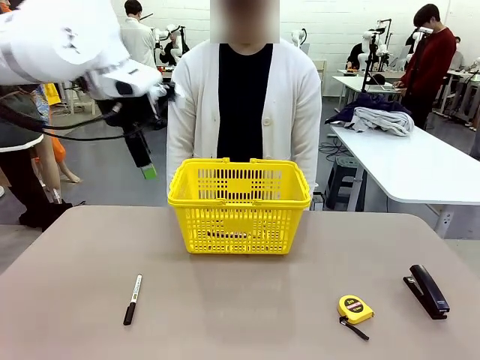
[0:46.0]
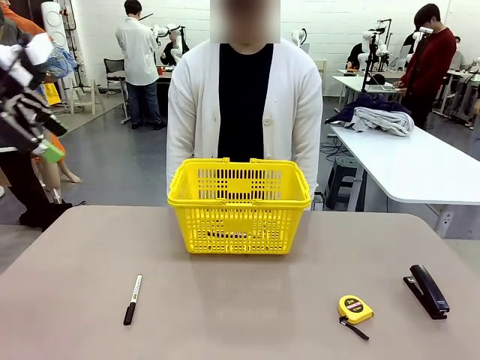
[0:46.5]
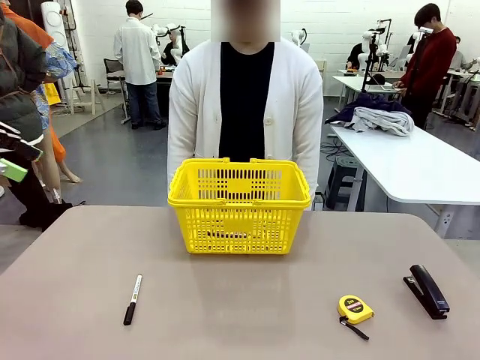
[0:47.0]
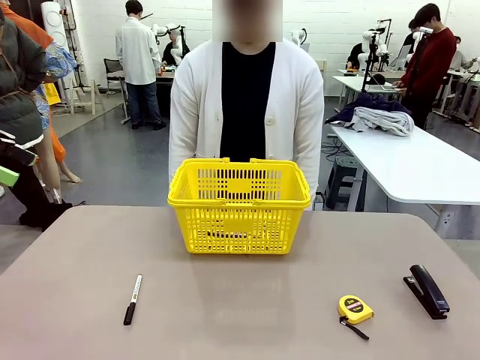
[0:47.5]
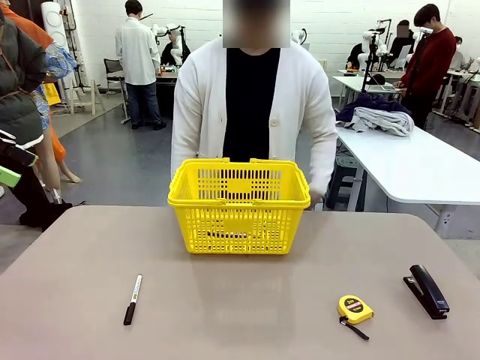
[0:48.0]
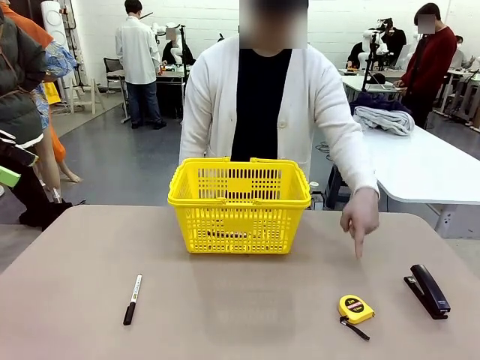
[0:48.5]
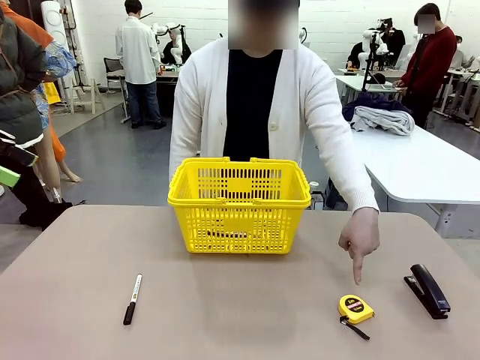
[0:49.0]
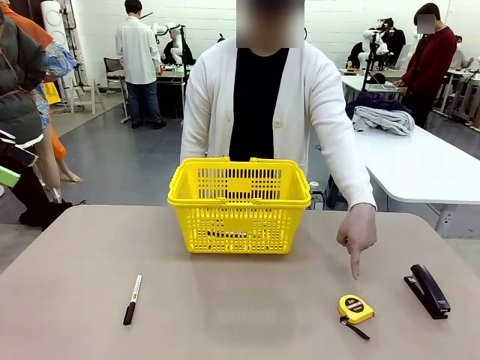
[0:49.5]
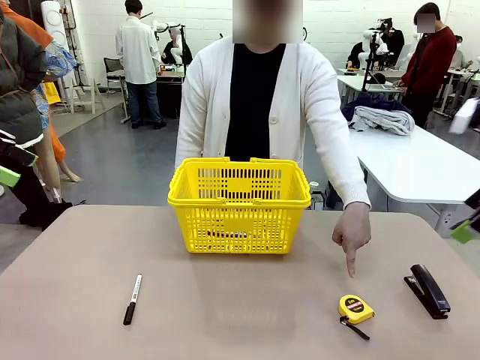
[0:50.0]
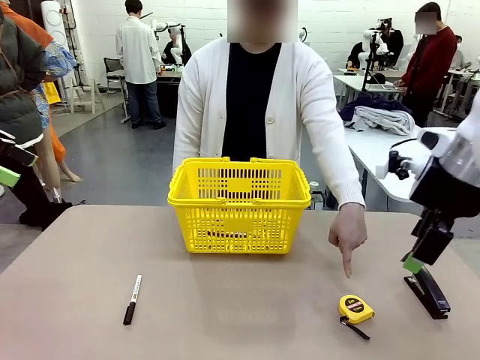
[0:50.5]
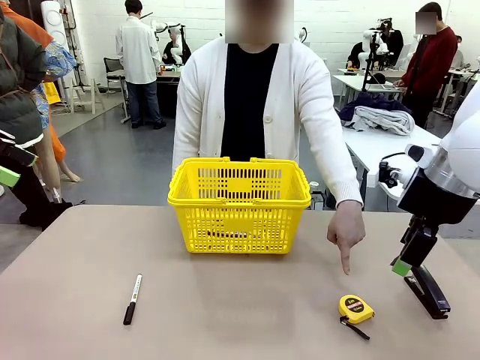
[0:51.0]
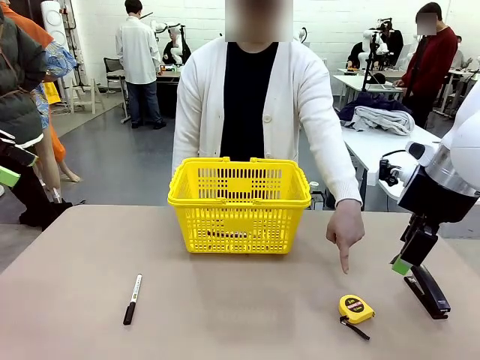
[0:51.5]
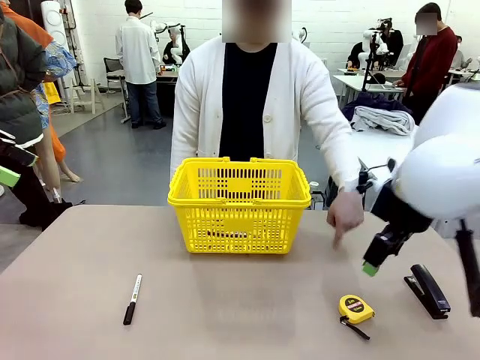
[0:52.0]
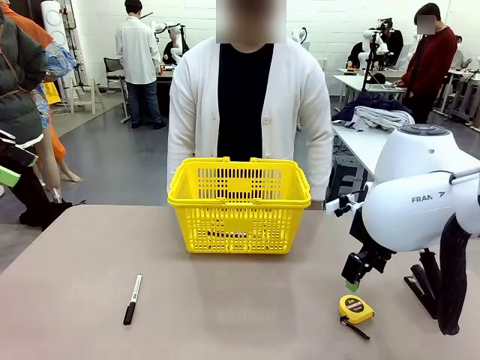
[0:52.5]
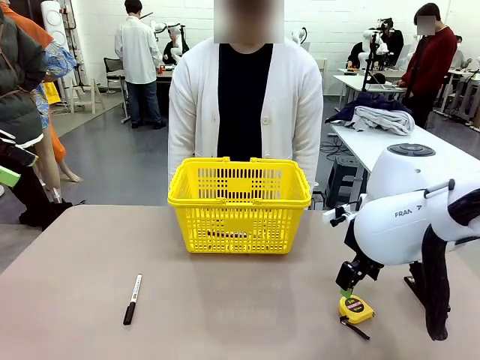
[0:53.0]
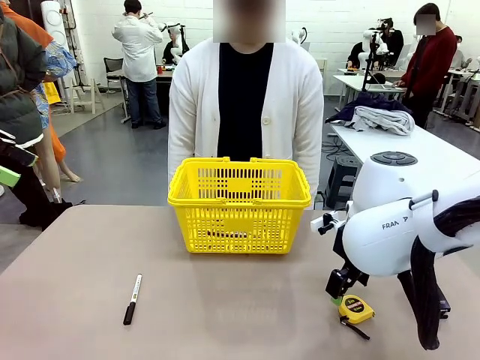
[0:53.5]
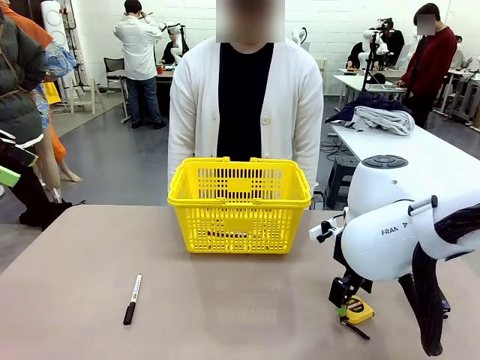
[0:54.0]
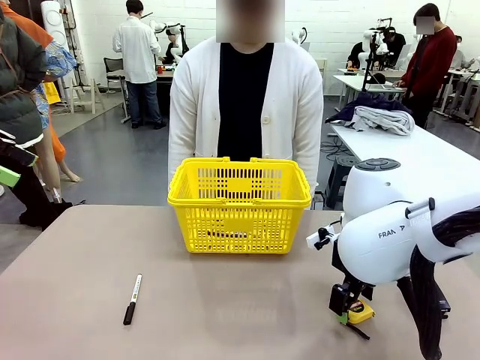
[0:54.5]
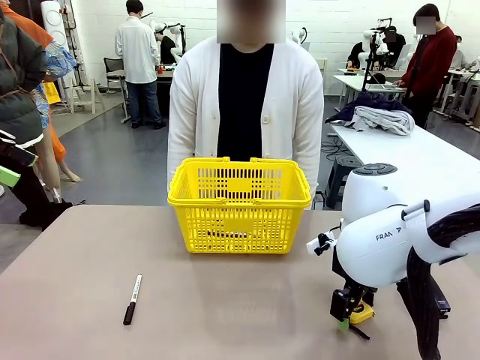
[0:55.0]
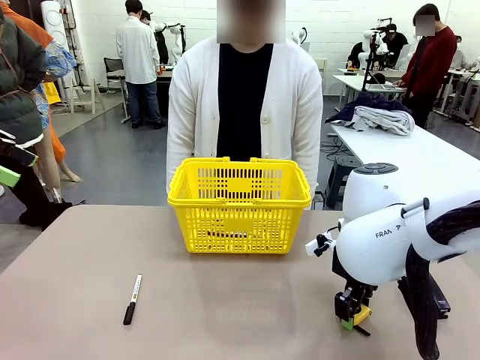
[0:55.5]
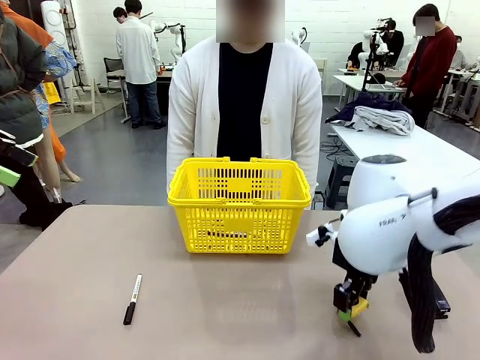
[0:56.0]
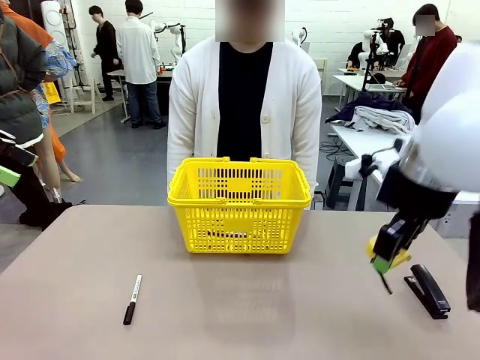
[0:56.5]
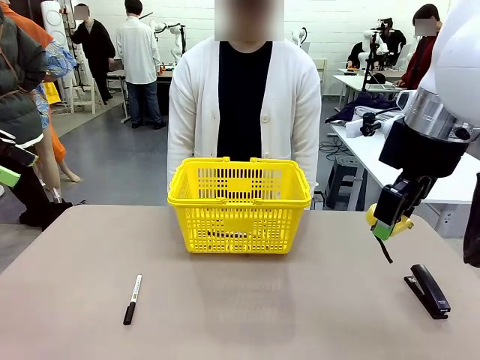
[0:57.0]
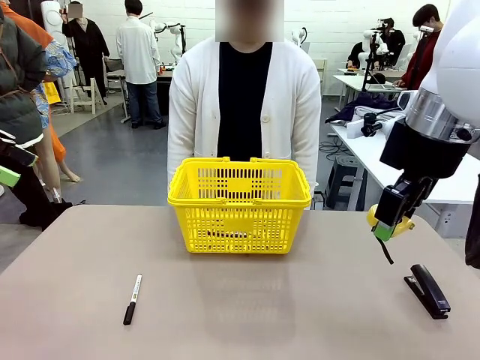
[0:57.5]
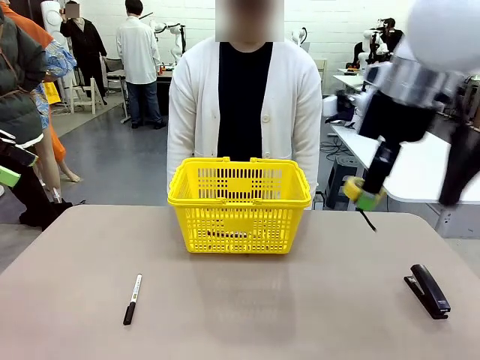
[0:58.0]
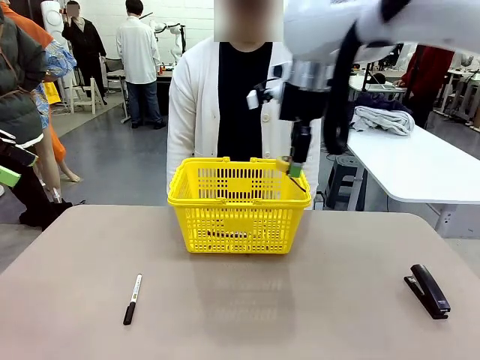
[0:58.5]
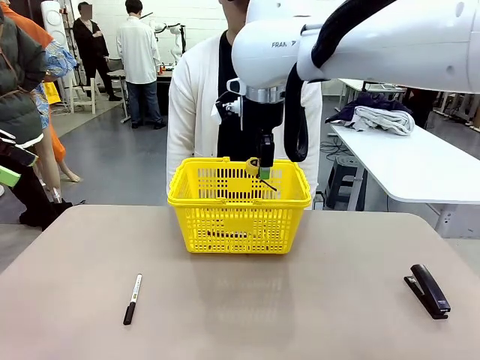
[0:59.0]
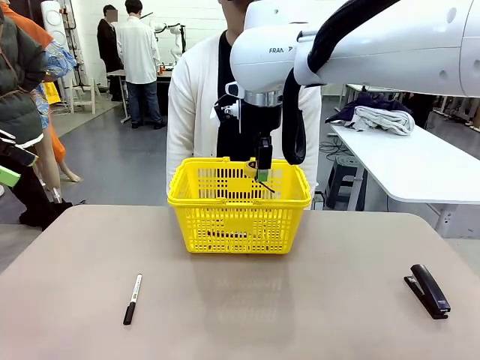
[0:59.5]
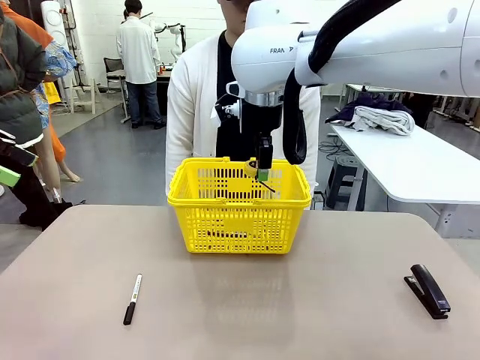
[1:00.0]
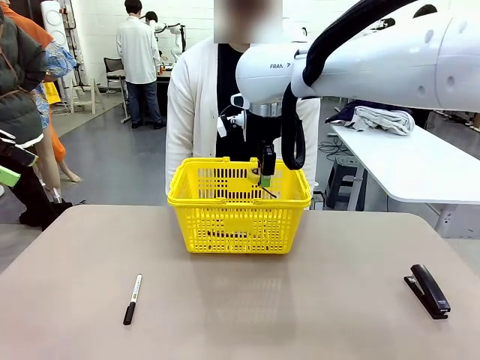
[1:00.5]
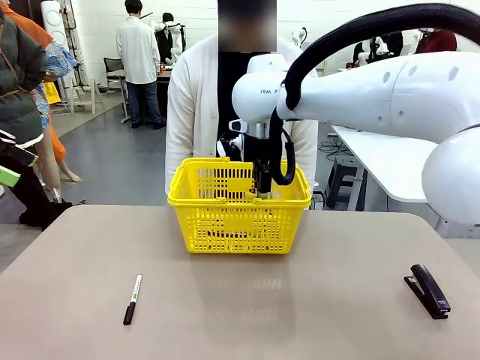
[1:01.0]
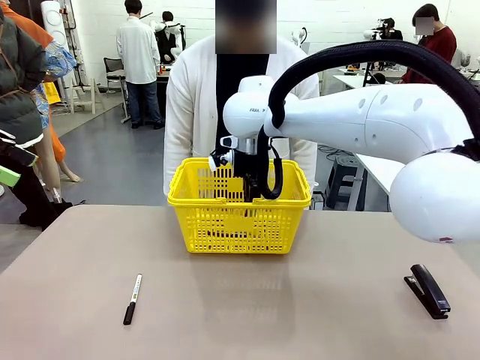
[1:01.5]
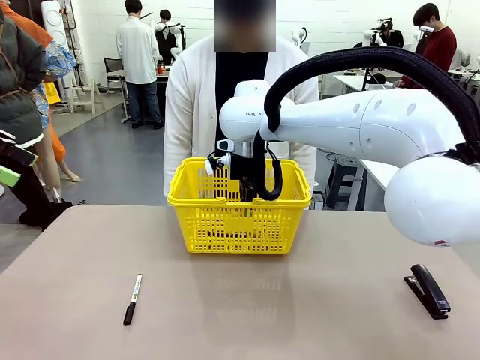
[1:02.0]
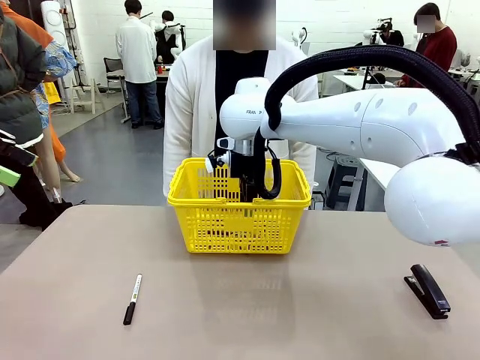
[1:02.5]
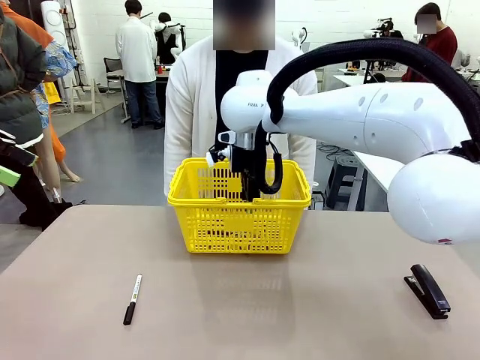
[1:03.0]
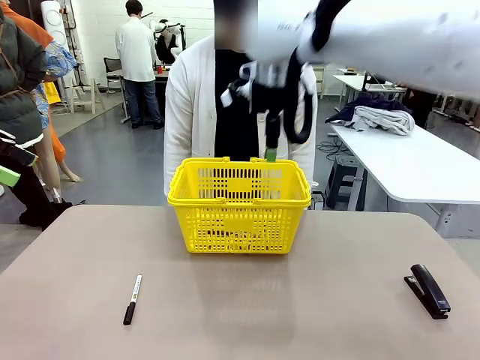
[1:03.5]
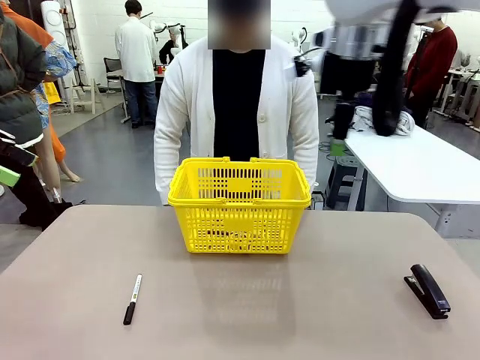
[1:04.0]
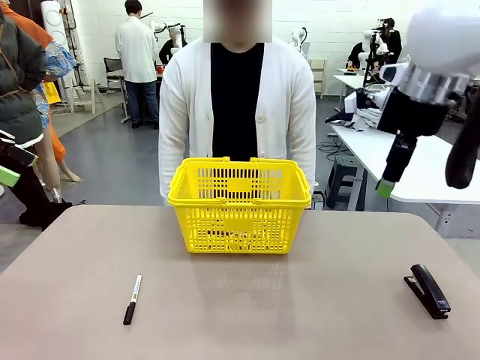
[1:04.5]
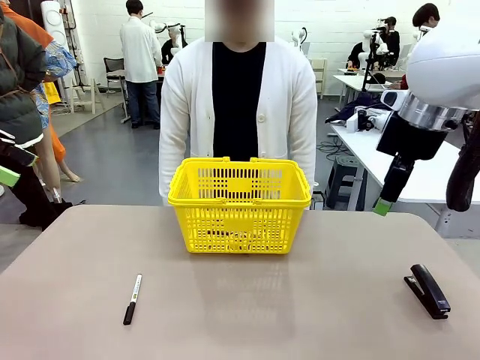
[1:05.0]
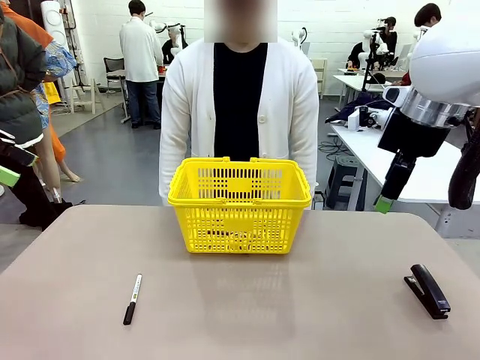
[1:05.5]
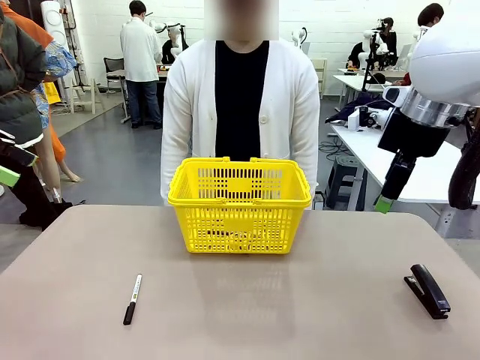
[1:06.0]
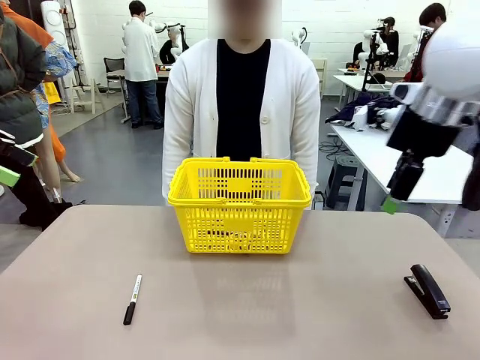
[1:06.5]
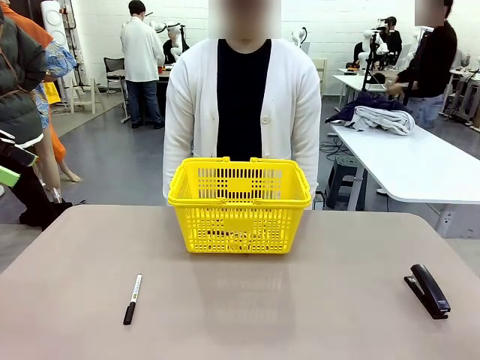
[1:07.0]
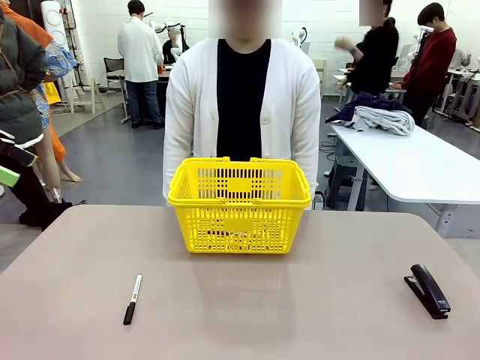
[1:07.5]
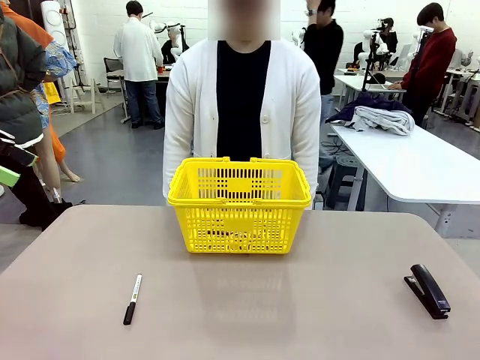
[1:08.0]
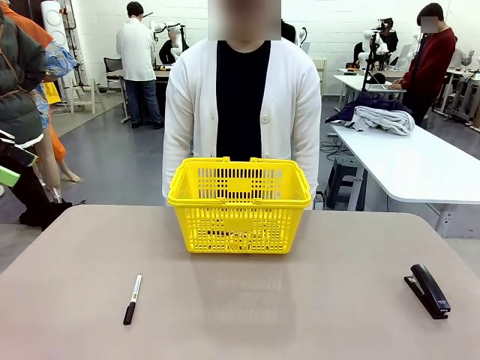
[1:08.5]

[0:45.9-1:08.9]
Task: Place the items the person wants into the basket.
Robot: Pick up the item the person points to and place it in the Market Basket.
